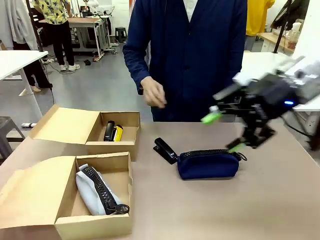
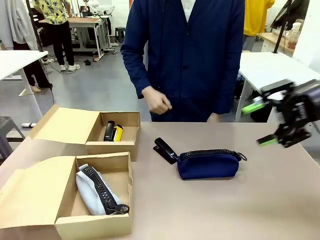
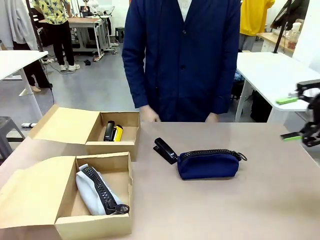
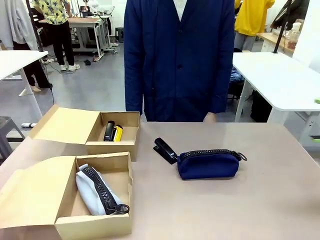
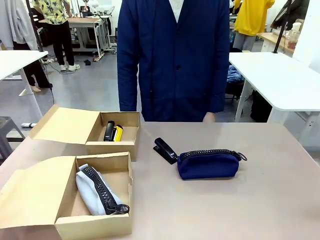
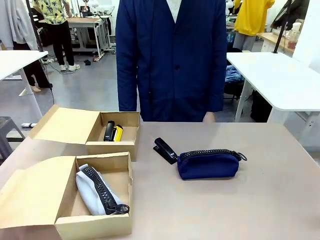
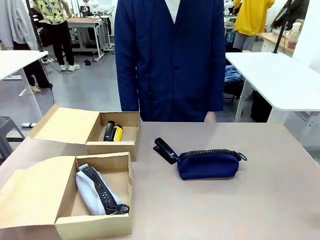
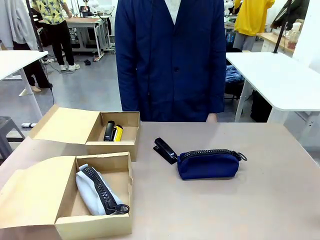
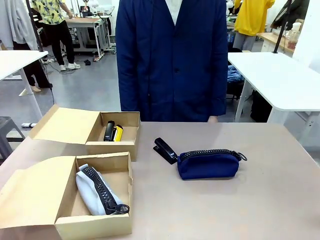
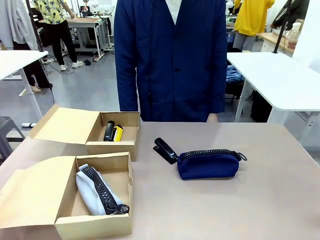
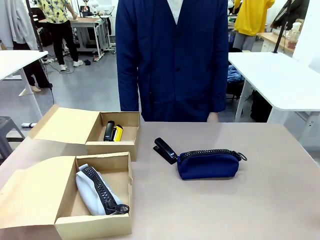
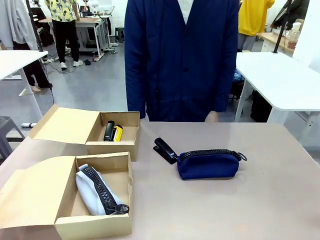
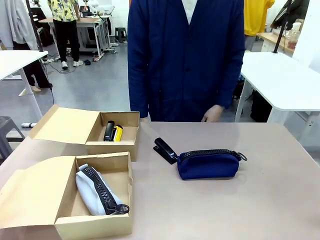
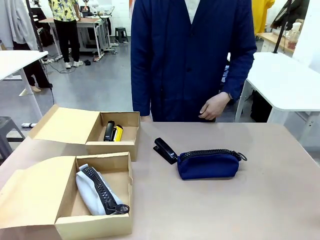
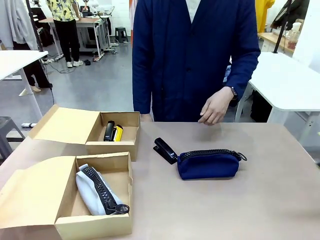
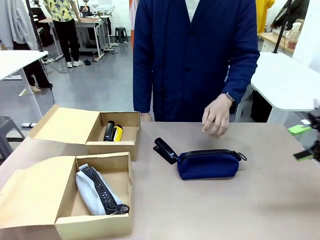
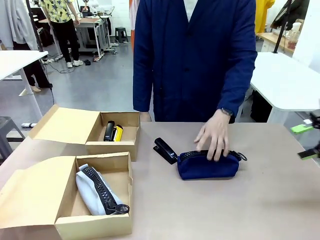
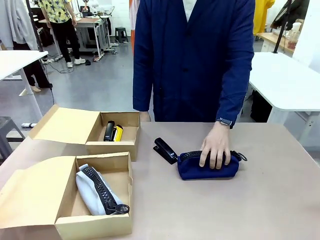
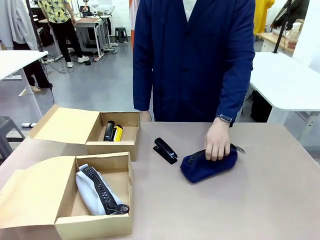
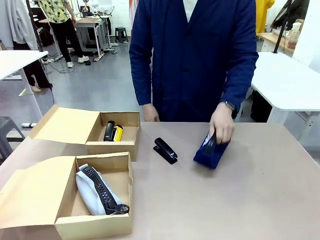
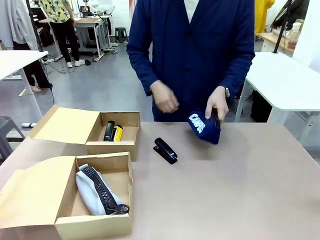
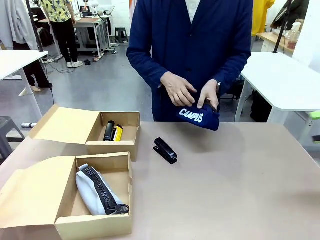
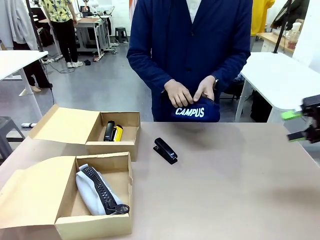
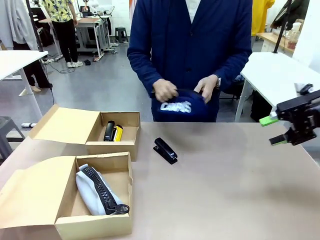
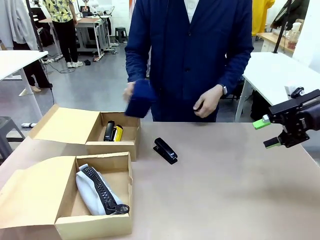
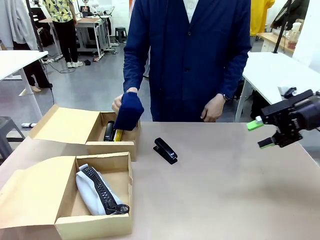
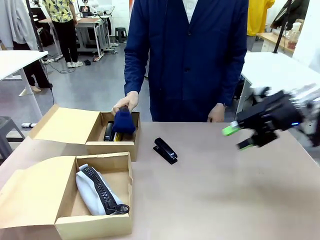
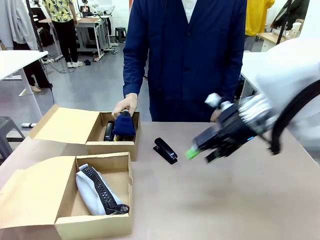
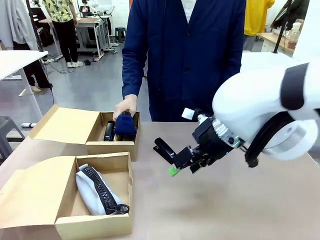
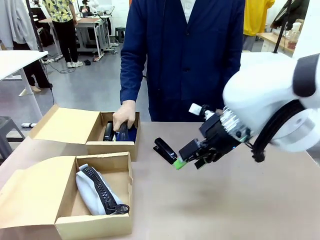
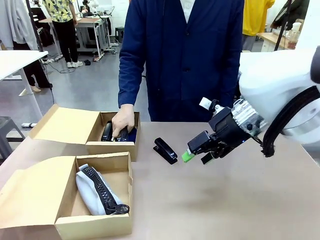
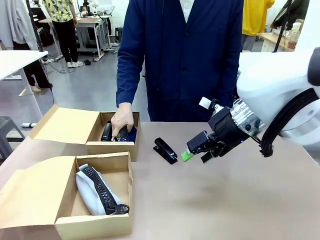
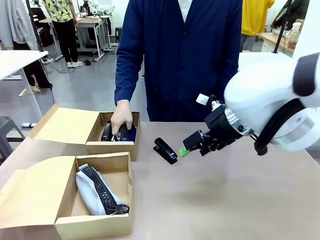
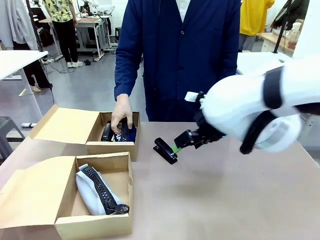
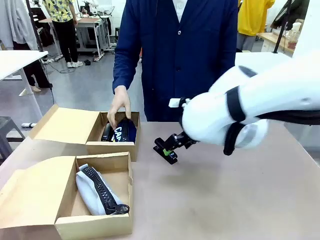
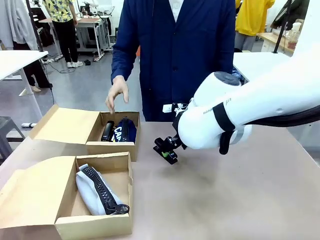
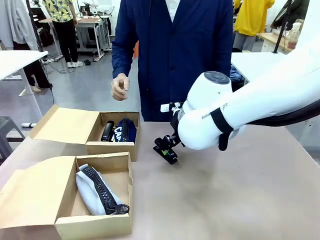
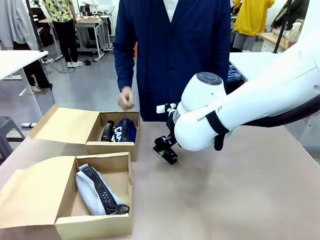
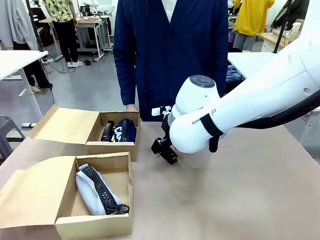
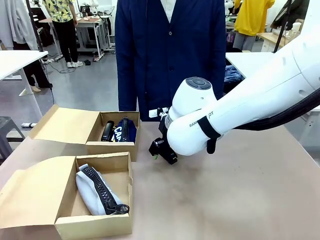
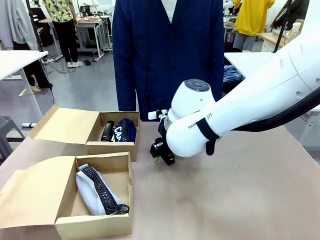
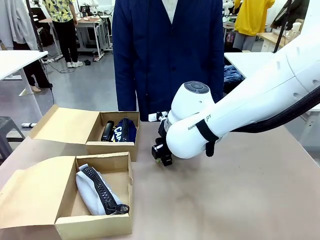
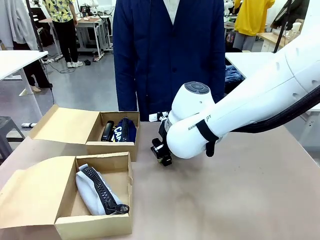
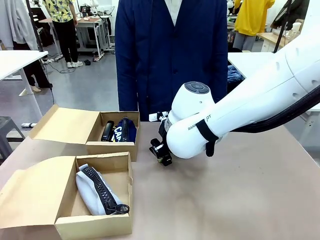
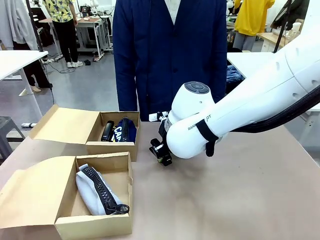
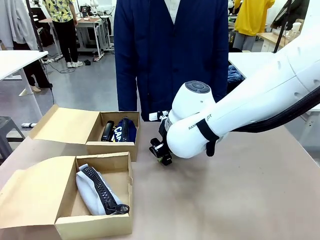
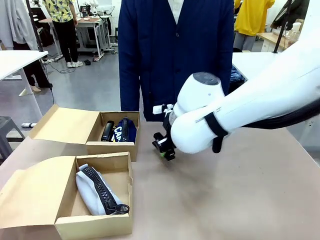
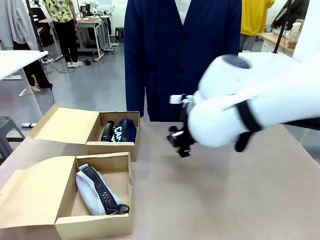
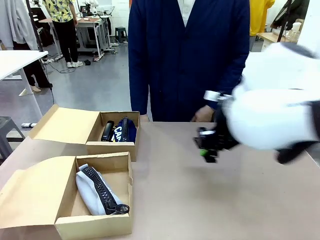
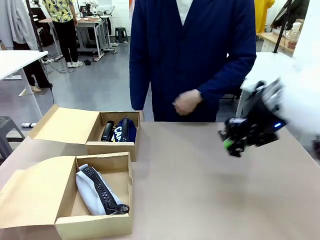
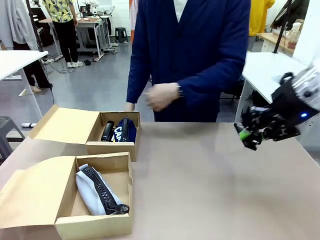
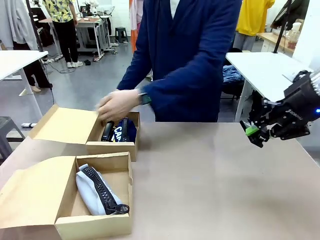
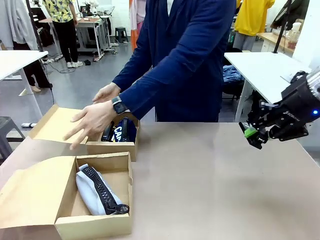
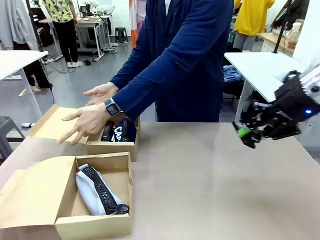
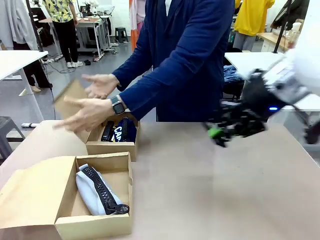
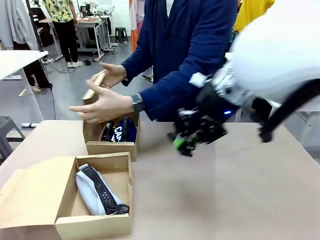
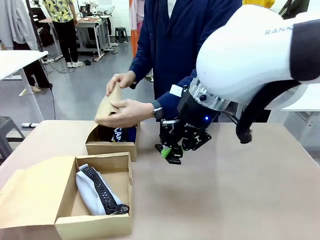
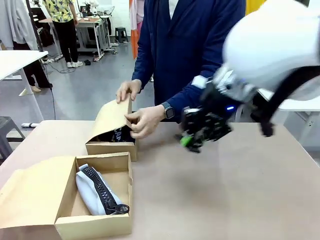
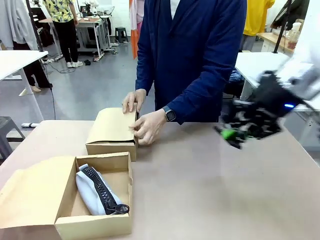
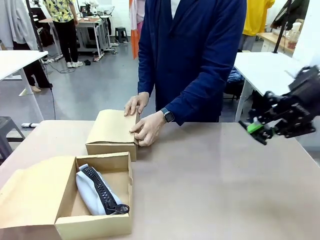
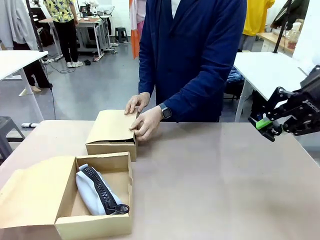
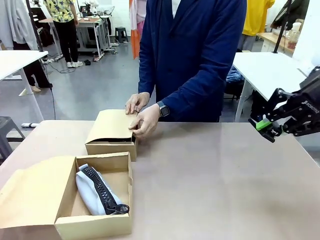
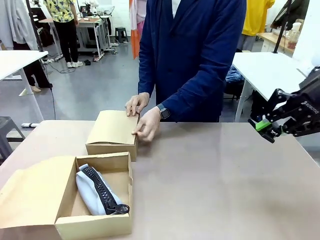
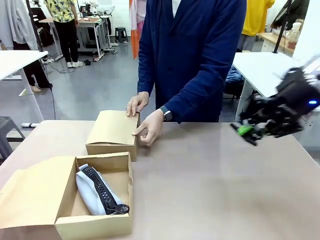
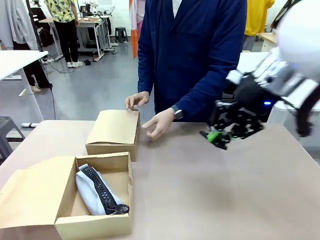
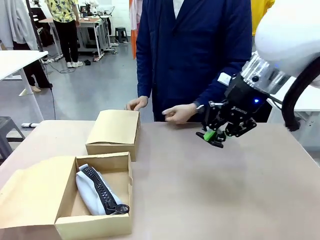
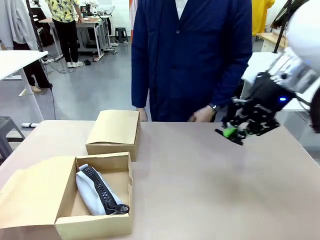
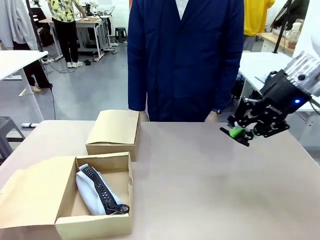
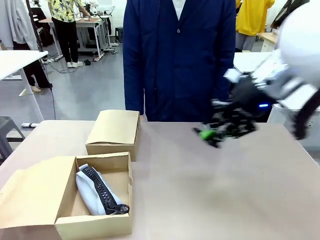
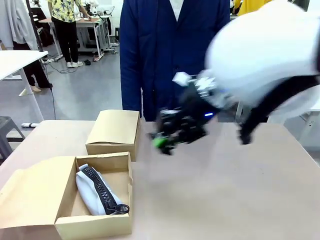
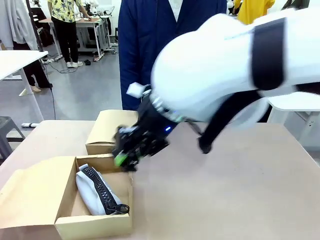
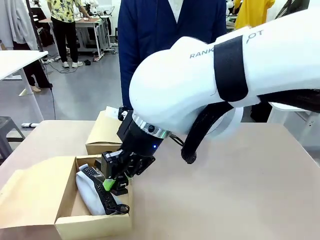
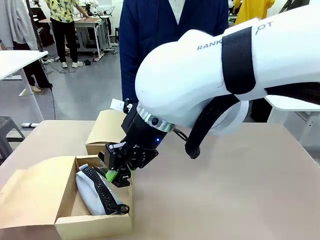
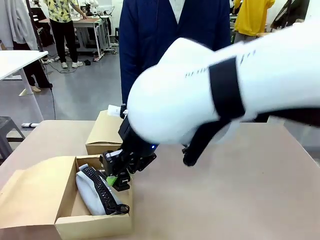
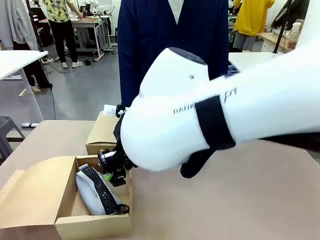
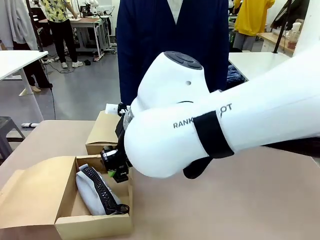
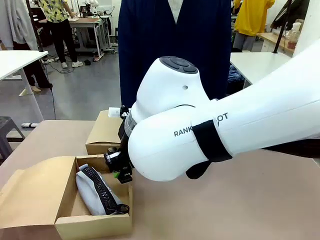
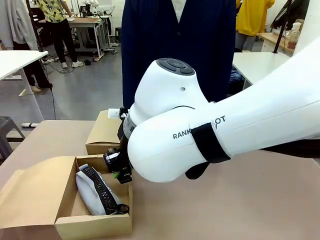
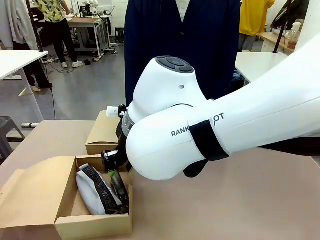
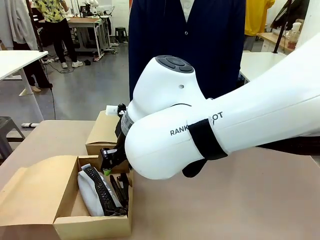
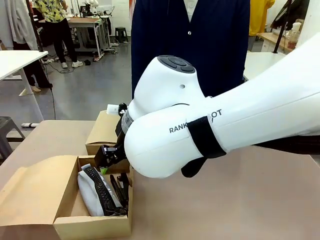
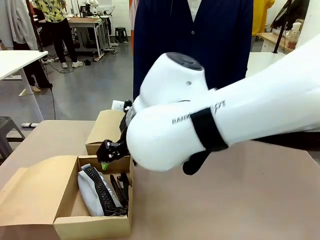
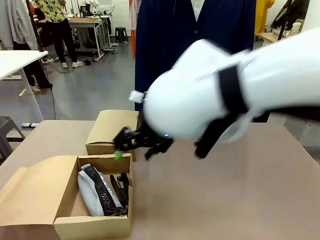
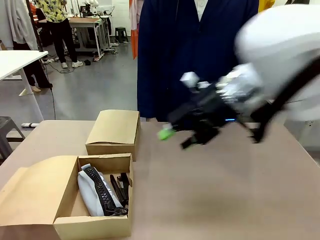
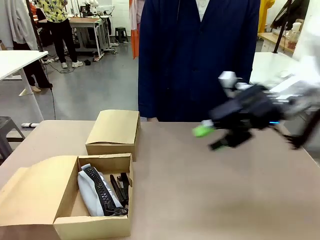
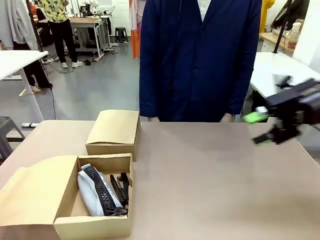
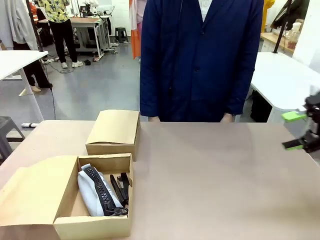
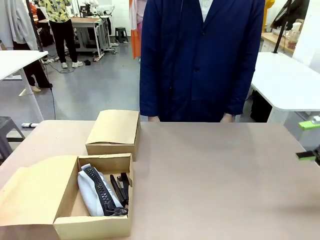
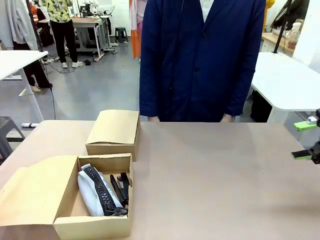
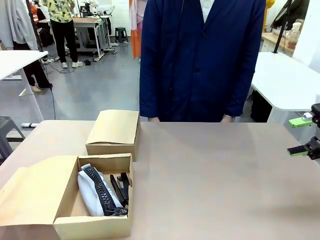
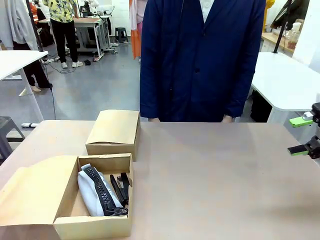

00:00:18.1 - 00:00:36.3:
Task: Place items inside the box.
Robot: Pick up a Pencil pouch or Stapler and place it inside the Mailer Box closest to the robot.
